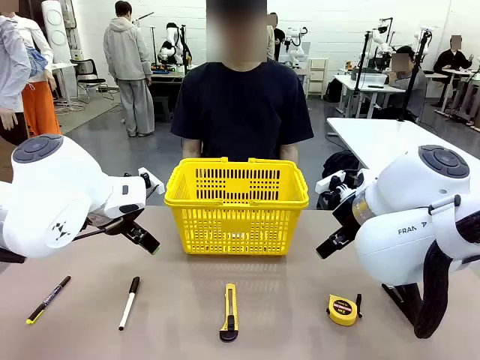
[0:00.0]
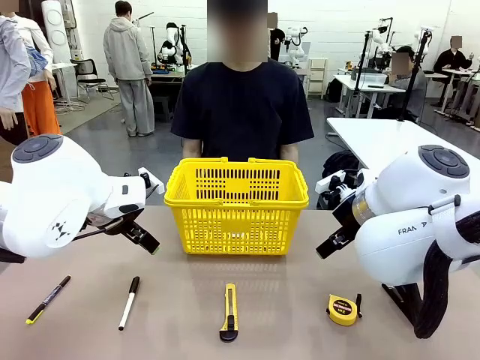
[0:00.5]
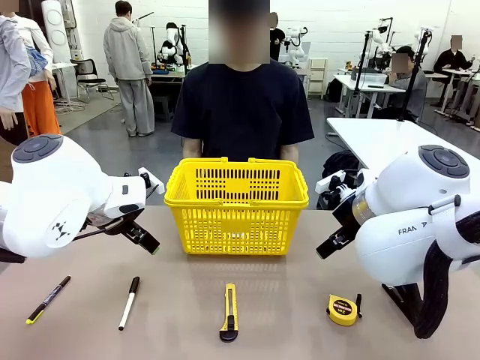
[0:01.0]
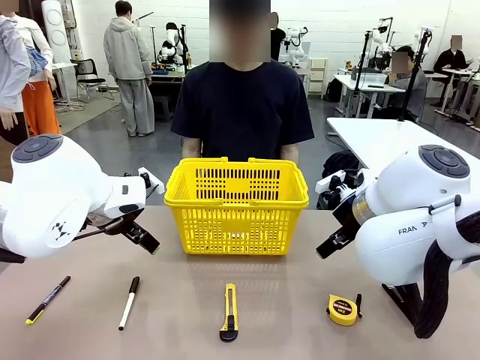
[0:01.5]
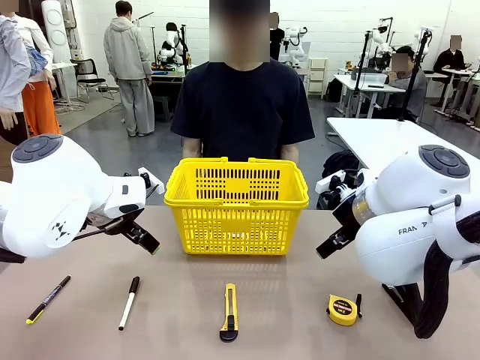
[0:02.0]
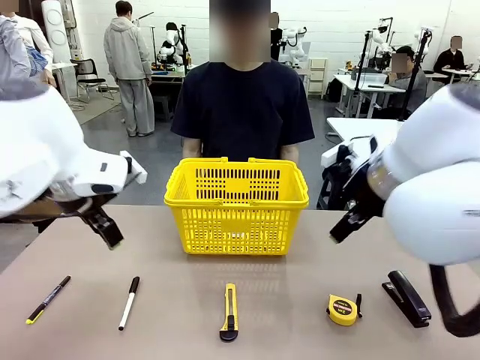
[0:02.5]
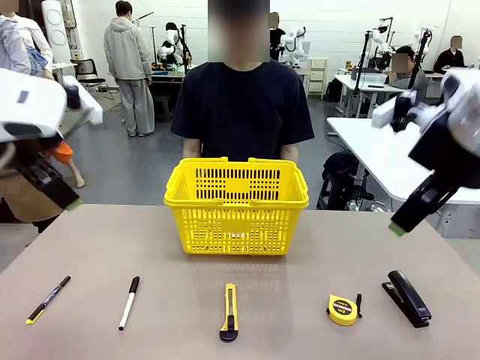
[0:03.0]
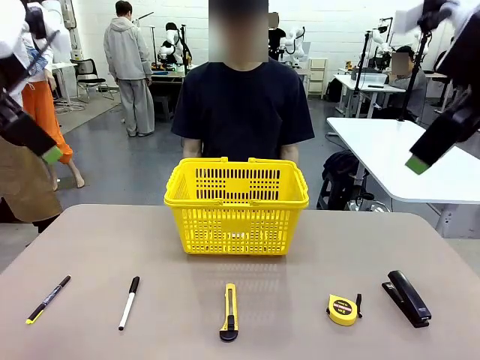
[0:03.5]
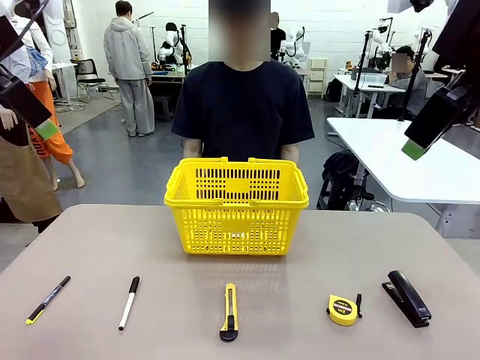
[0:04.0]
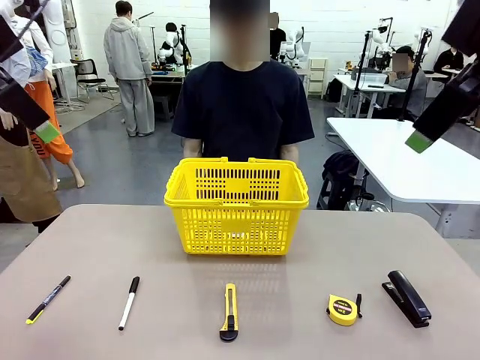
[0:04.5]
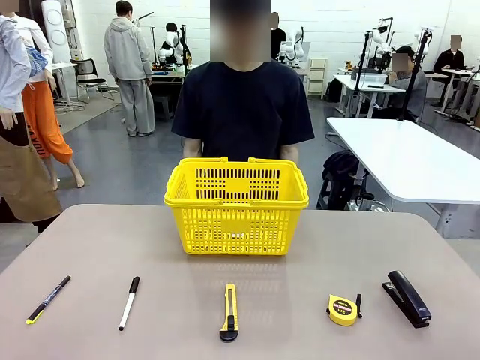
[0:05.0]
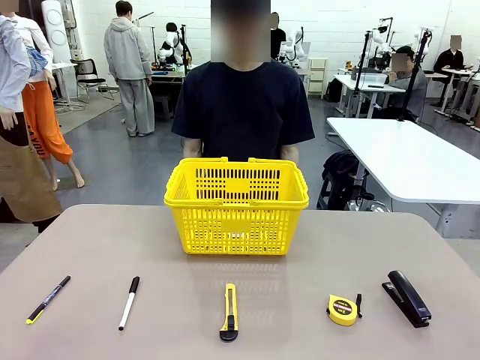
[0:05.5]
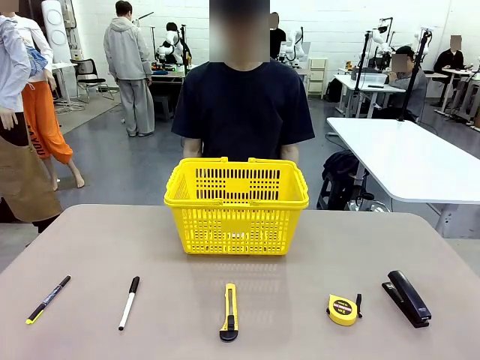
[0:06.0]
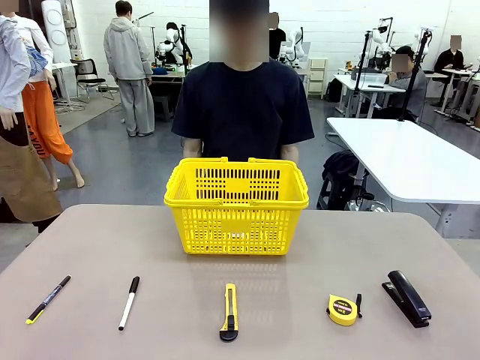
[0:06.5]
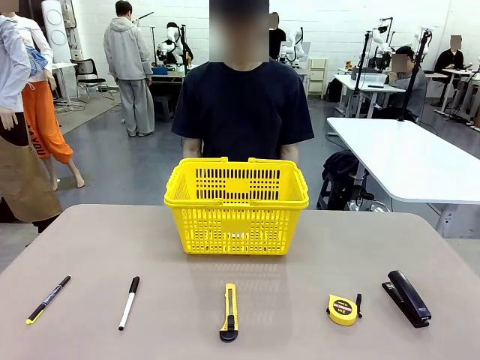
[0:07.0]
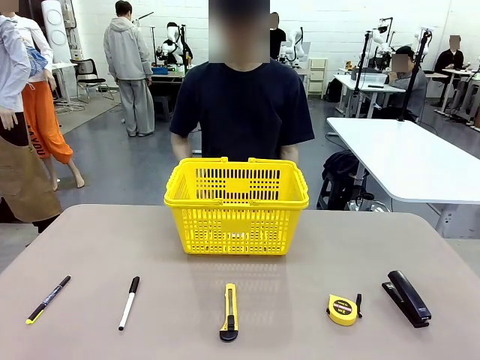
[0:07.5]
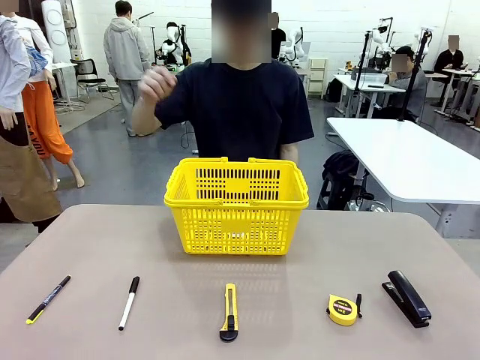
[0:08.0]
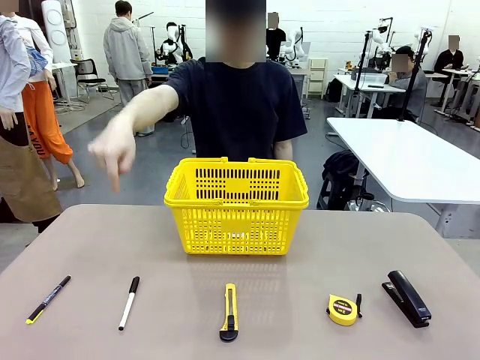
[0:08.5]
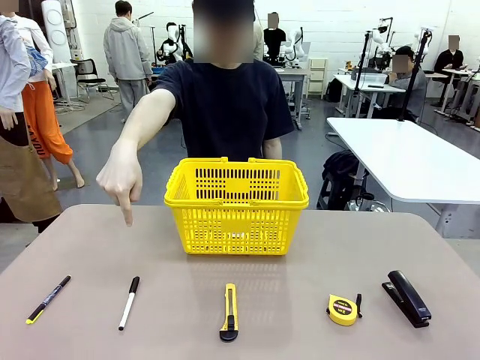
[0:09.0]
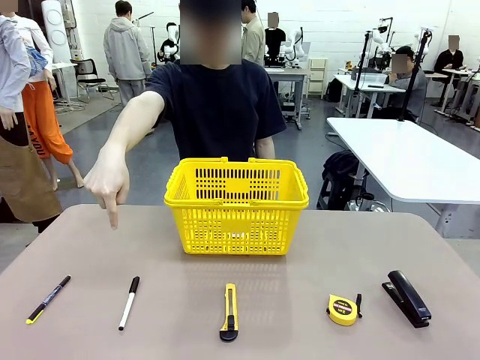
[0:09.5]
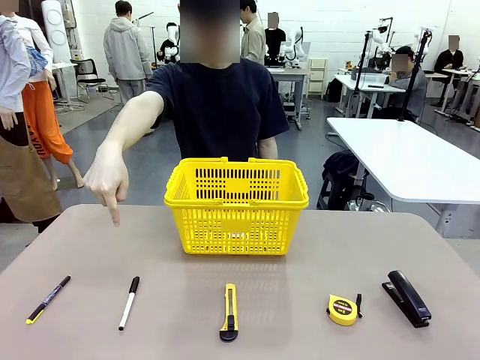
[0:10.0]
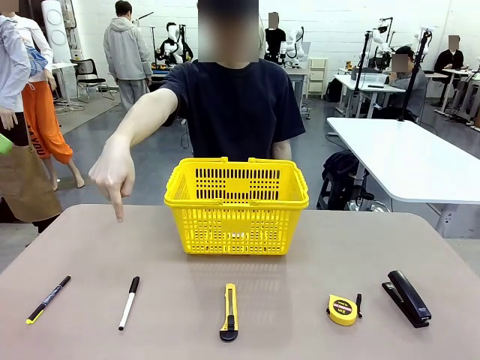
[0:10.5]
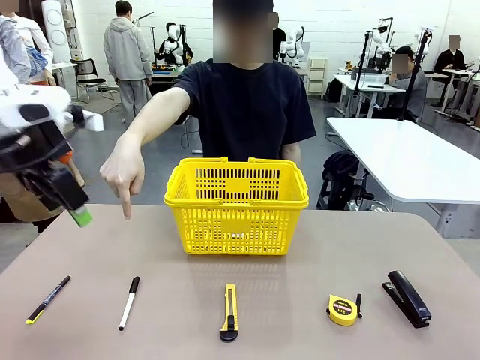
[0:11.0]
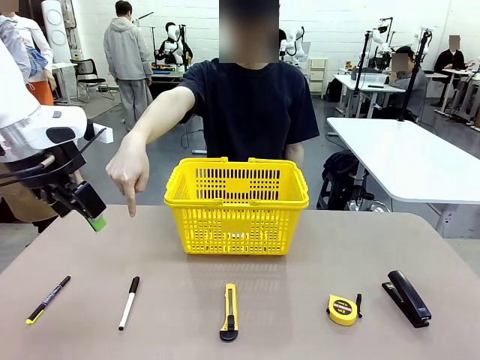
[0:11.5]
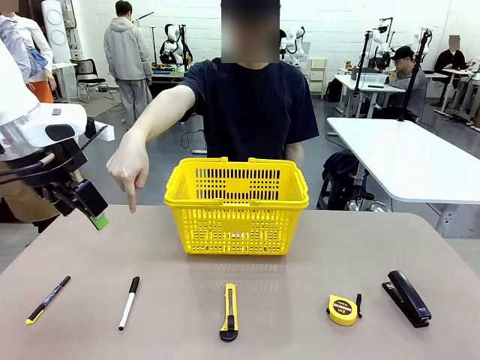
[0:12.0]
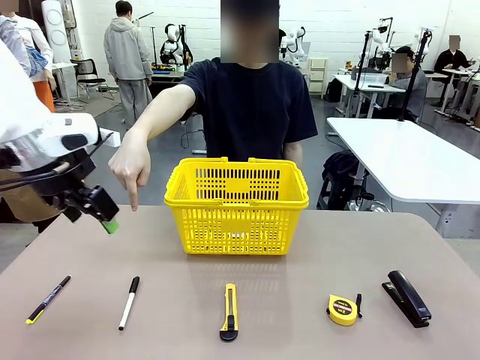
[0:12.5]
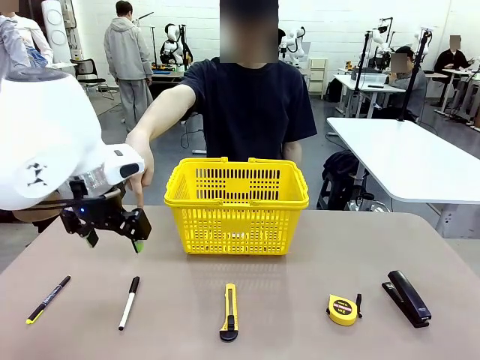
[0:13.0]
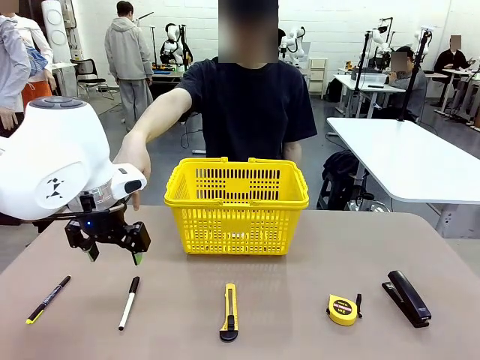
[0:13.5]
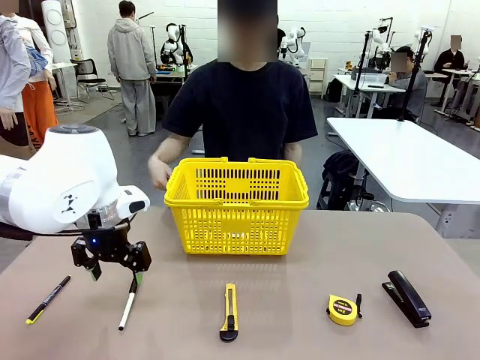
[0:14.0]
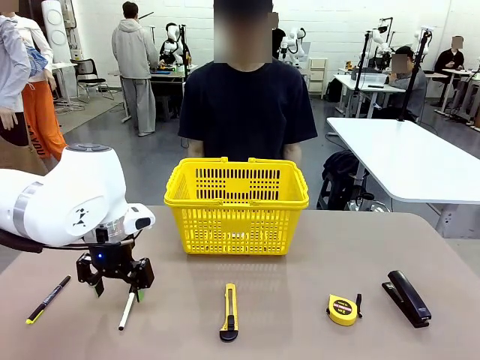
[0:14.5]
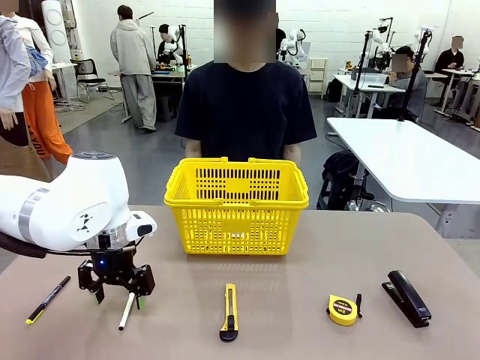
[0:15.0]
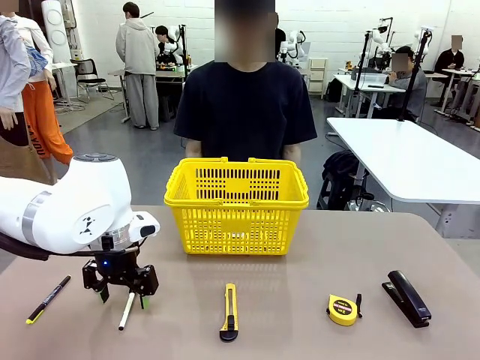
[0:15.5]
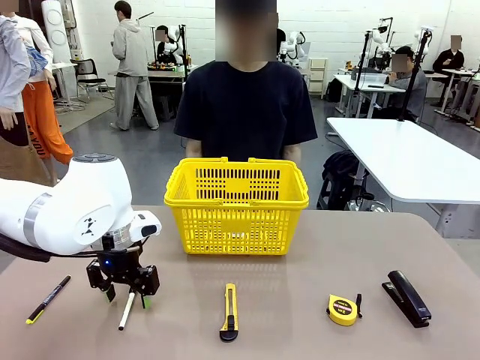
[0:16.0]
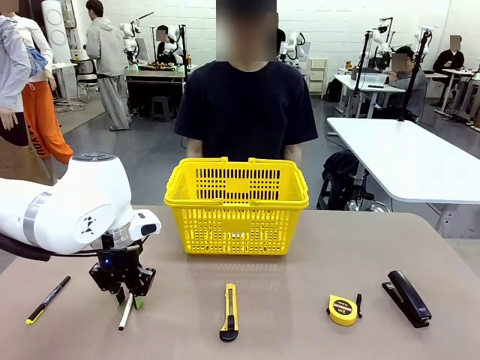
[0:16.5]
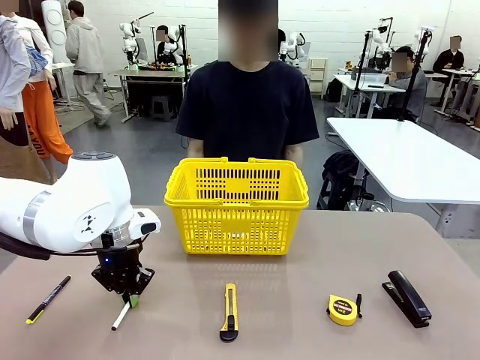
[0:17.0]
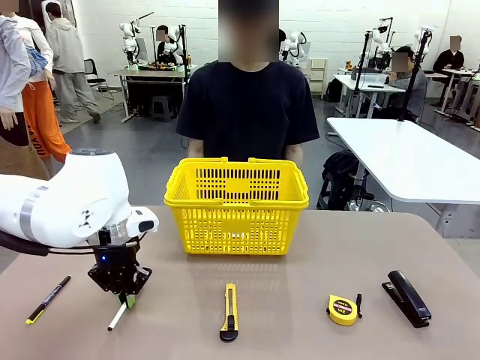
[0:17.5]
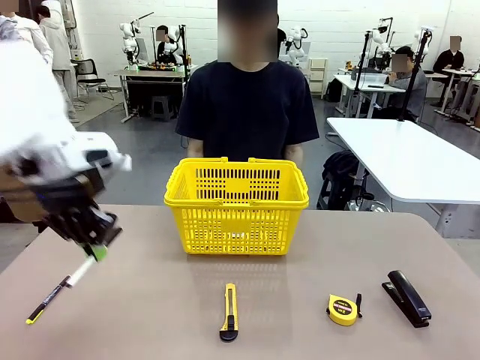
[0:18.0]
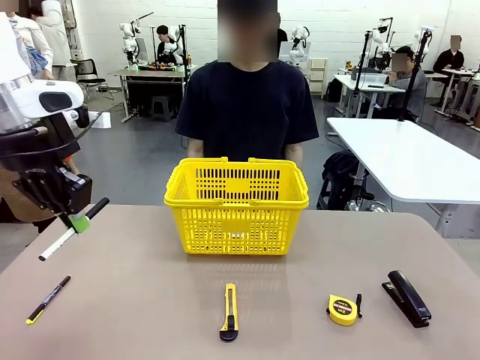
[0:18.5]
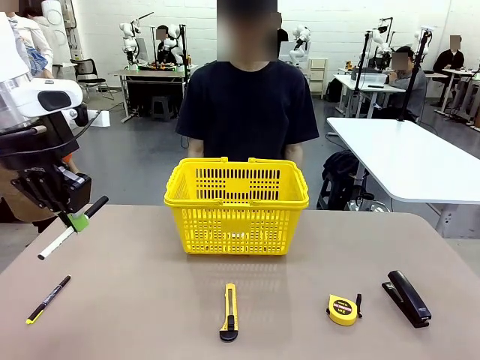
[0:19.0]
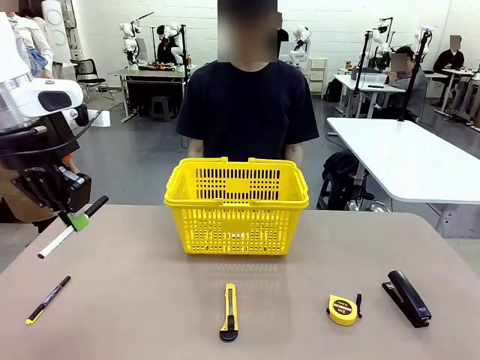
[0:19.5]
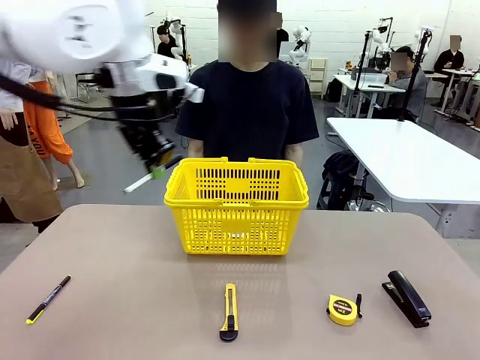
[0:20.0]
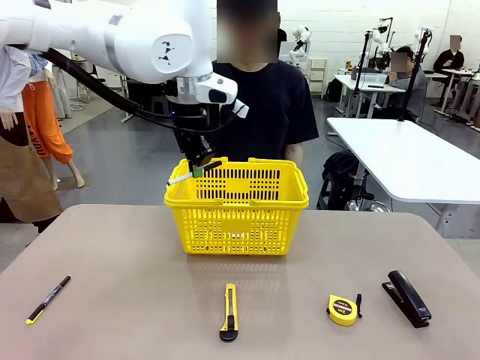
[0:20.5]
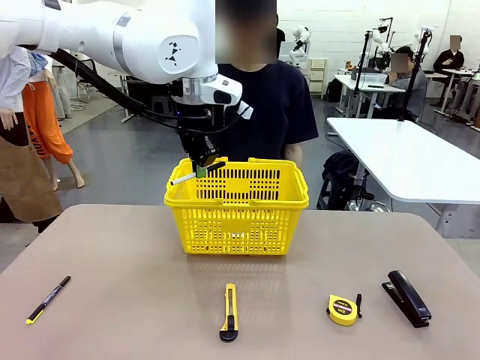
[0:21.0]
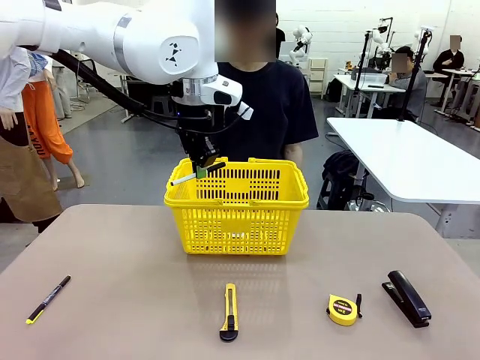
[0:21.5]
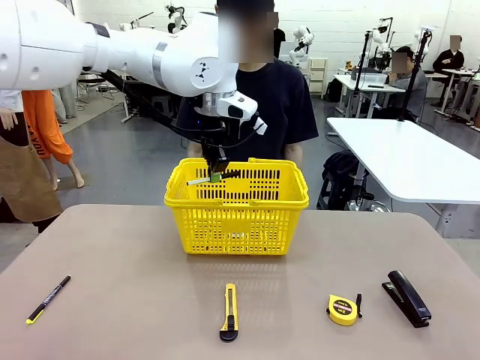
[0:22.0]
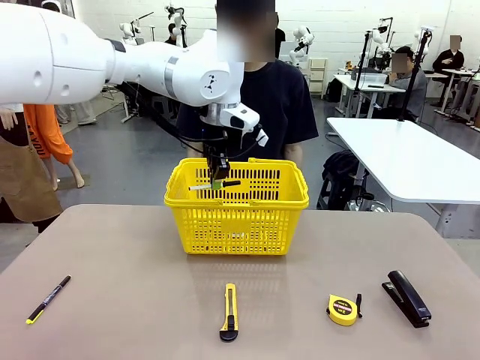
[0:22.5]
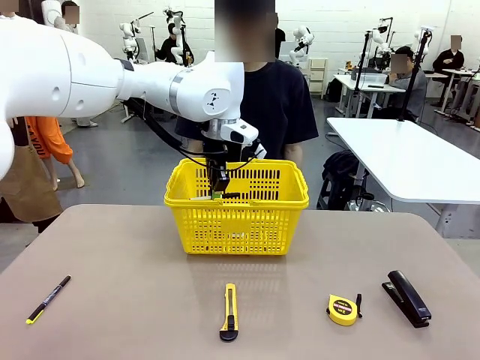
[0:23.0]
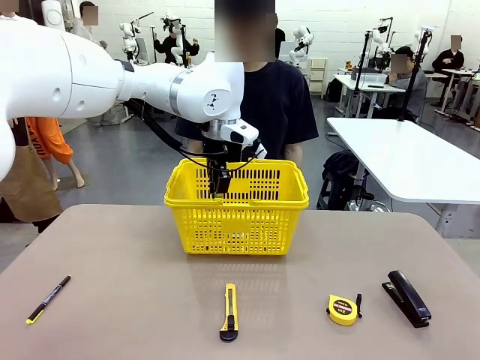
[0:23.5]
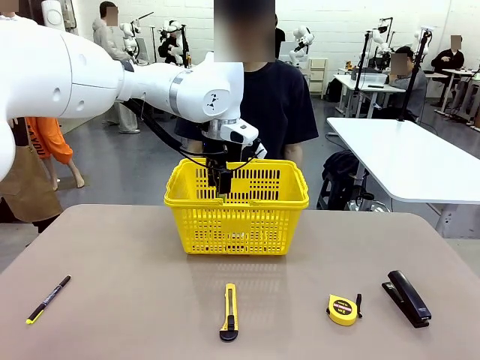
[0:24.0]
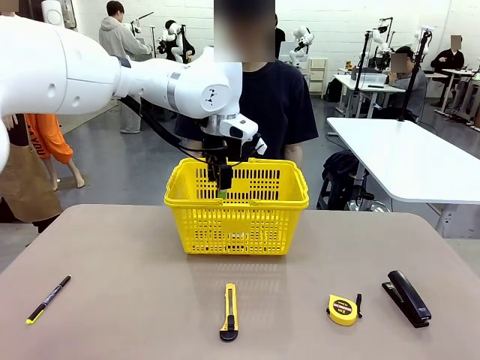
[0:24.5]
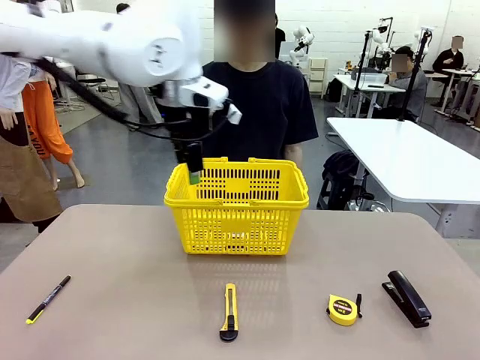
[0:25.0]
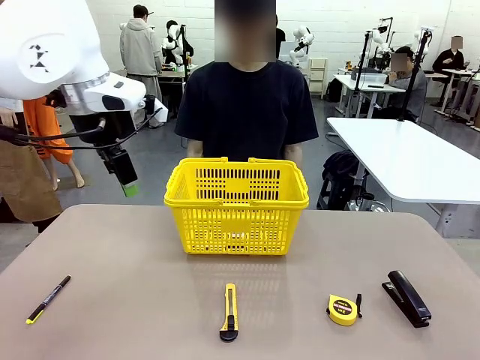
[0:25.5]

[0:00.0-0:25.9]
Task: Place the items the person wants into the basket.
Robot: Pick up the item the person points to and place it in the Market Basket.
